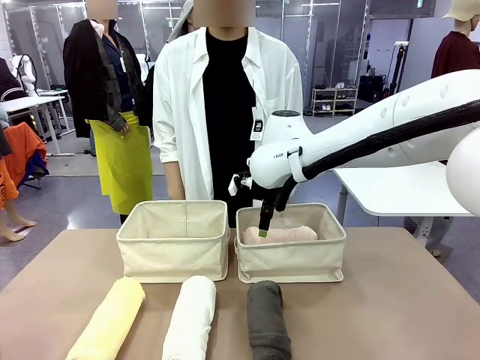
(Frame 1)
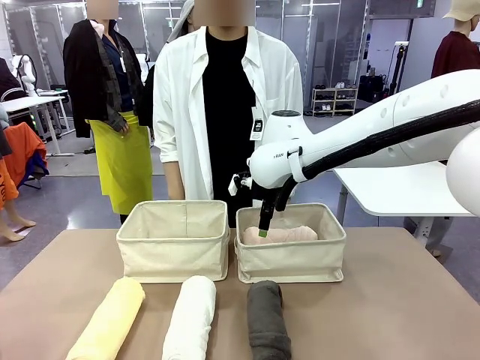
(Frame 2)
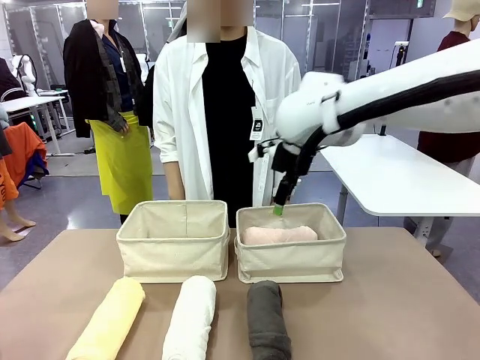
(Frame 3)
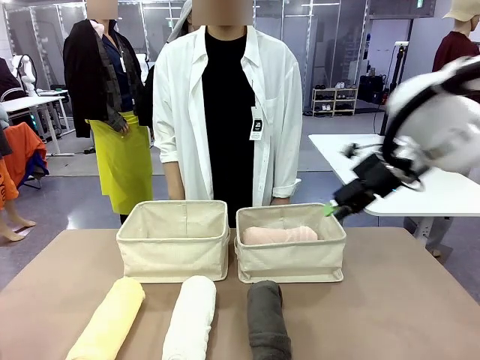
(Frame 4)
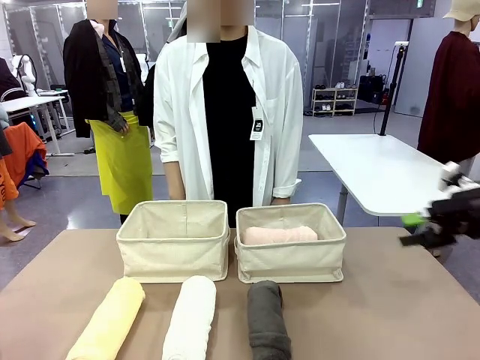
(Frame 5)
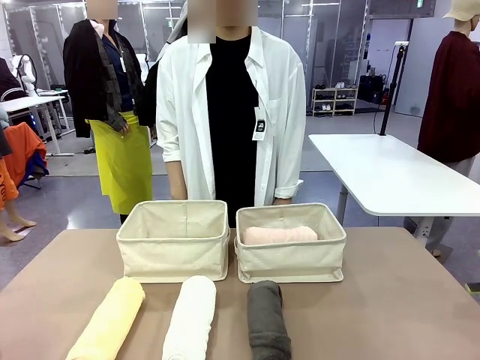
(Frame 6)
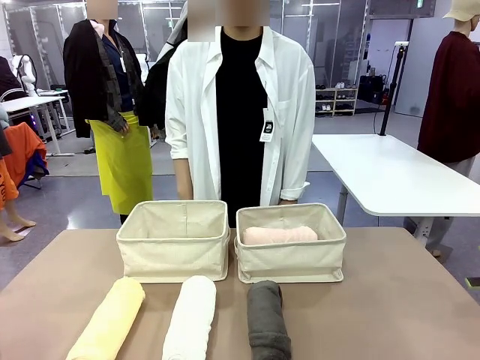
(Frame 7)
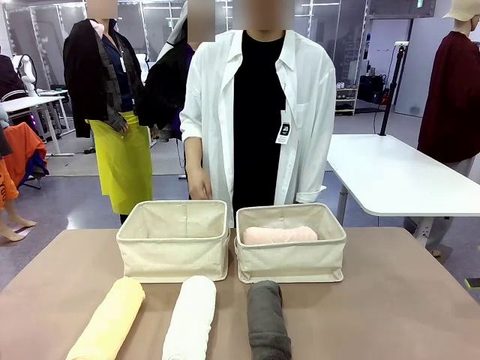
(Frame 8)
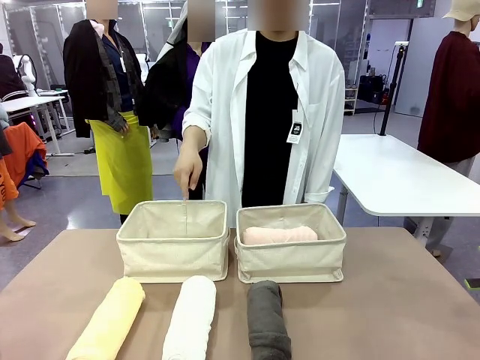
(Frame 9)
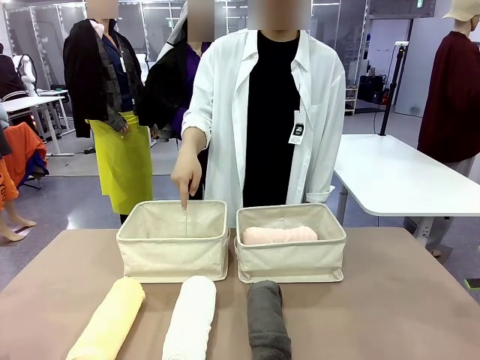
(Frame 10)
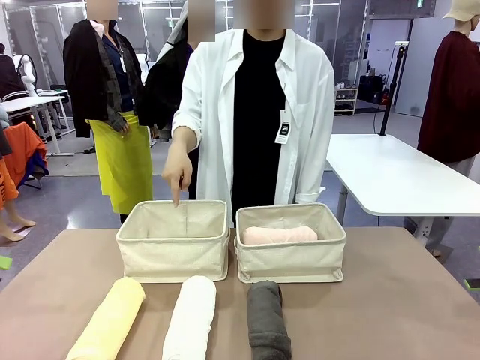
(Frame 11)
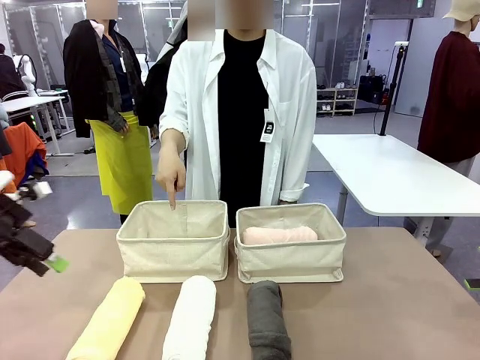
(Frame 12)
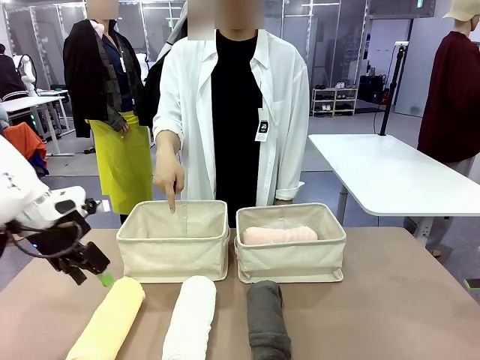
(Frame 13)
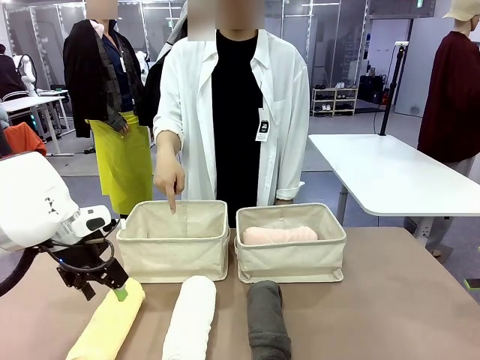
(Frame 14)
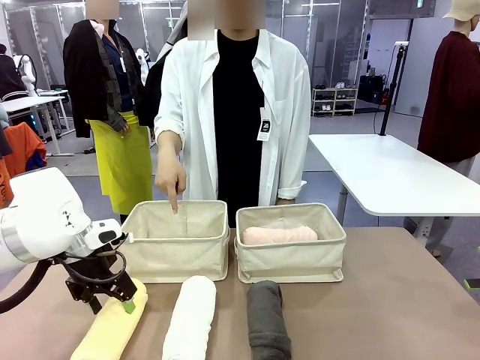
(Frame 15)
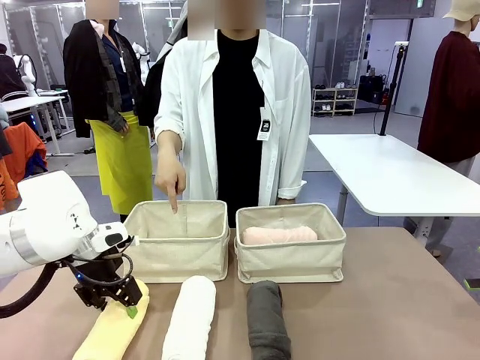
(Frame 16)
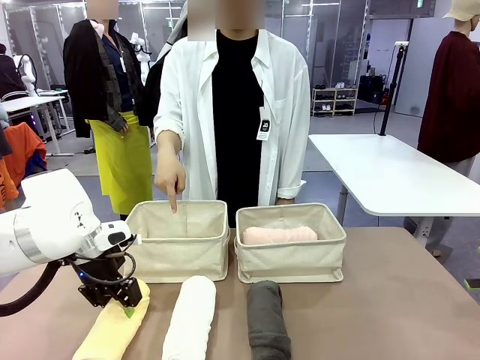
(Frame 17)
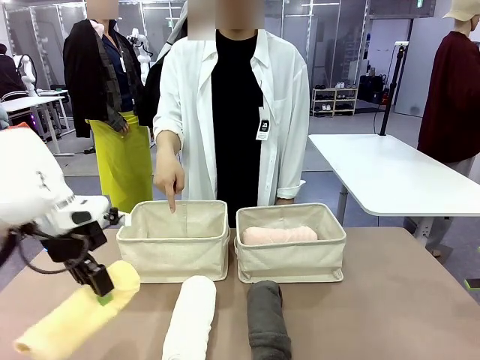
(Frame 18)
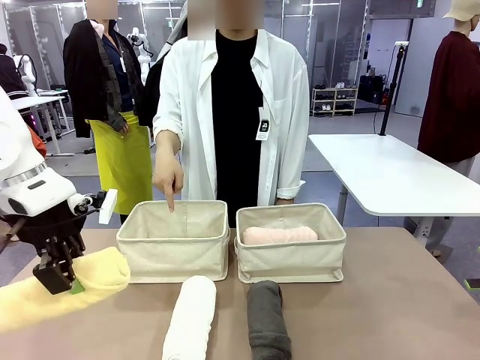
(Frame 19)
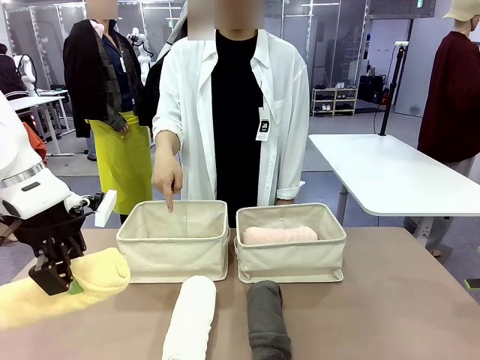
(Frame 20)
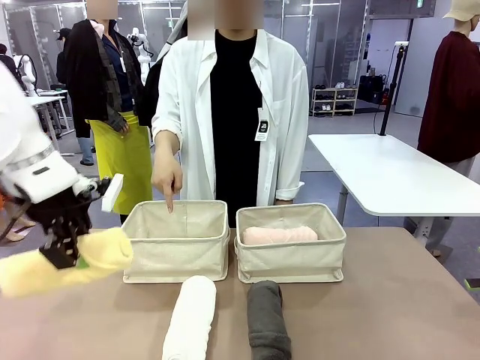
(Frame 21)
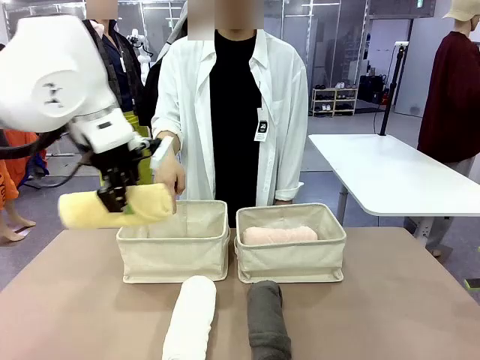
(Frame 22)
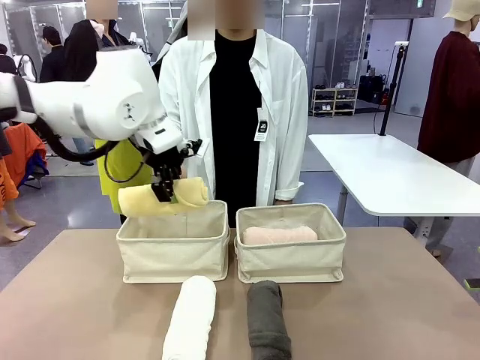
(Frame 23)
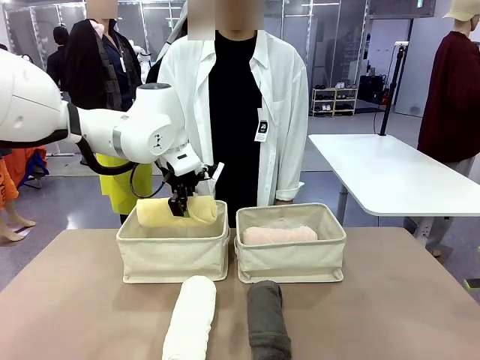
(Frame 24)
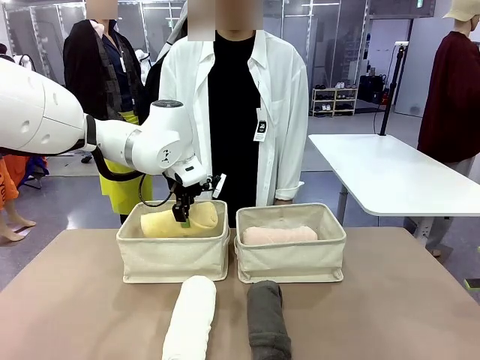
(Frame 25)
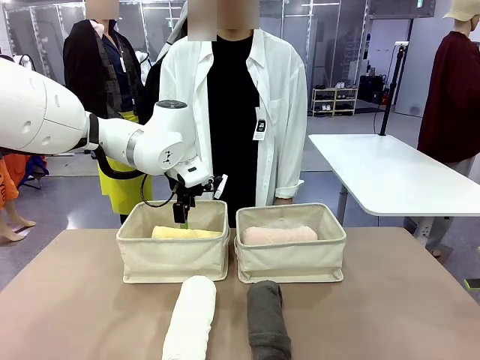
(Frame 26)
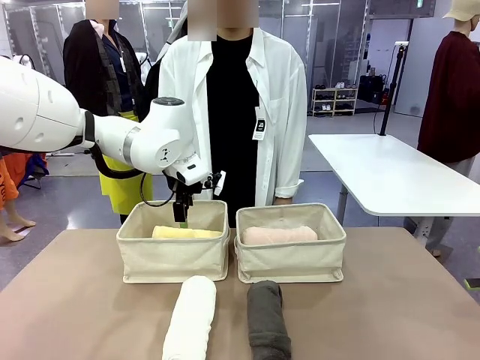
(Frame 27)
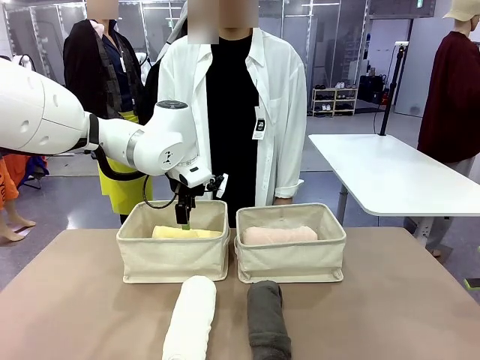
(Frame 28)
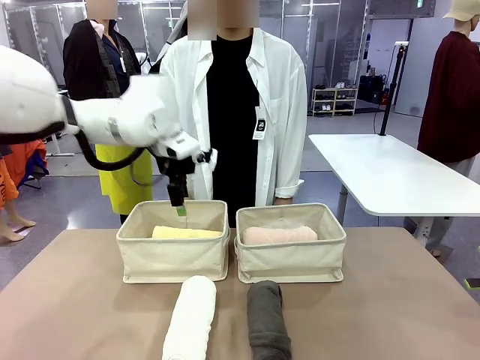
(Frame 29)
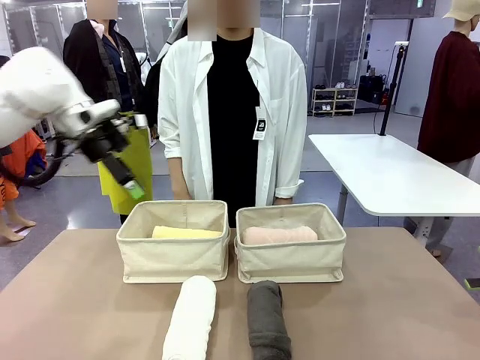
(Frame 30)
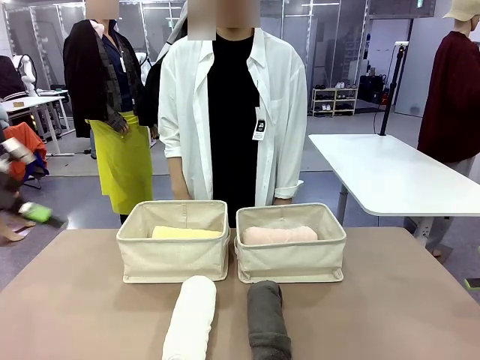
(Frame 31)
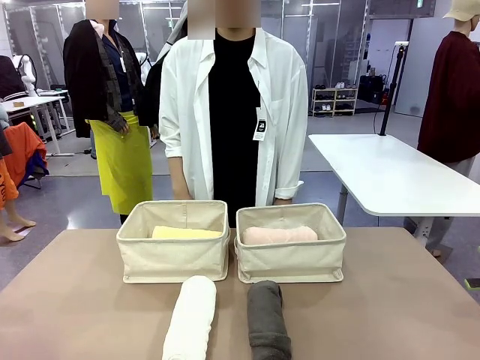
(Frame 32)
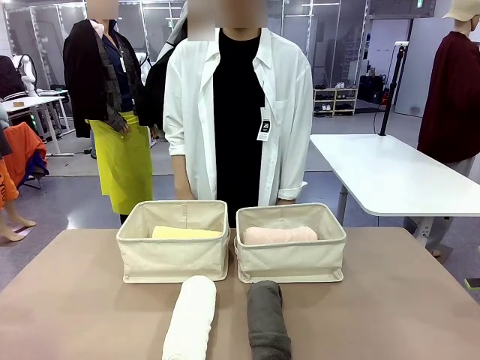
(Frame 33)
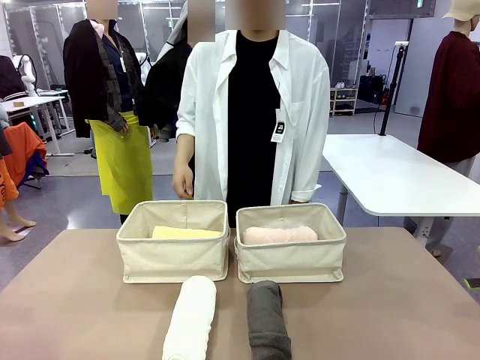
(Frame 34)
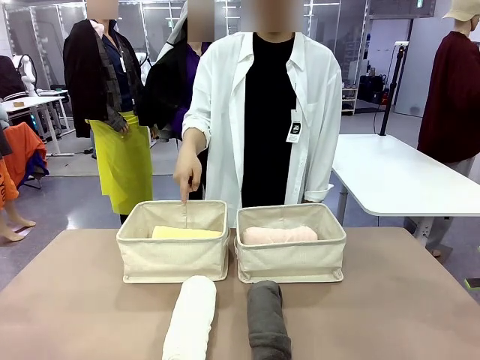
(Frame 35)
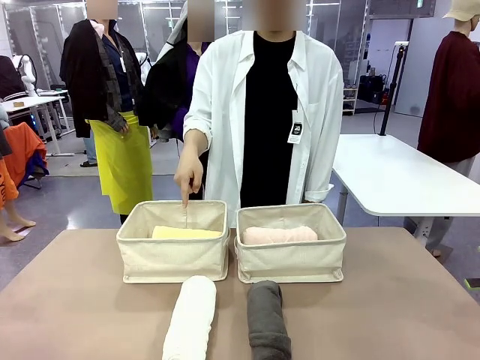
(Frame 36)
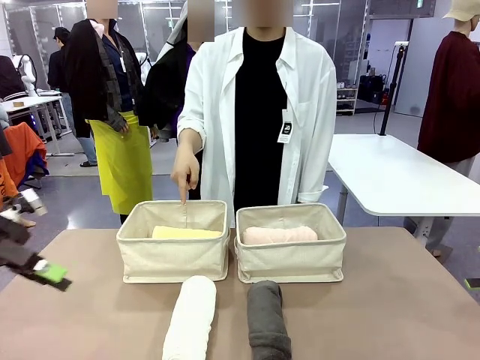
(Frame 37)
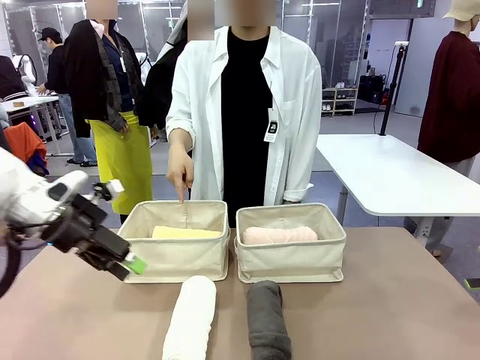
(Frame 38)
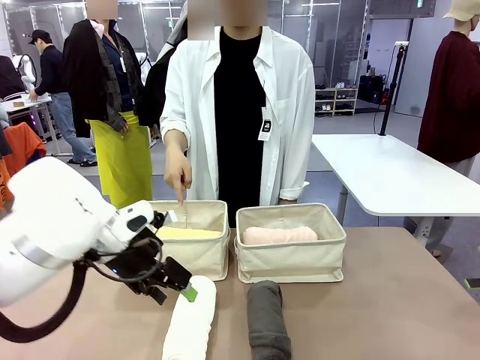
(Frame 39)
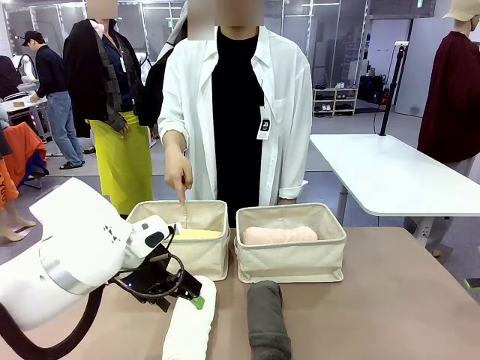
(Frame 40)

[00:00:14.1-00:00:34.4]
Task: Divide the towels into two baskets.
Robot: Pick up one hotel-folded towel from the bottom of the table and place it in the Fabric basket indicated by the person.
